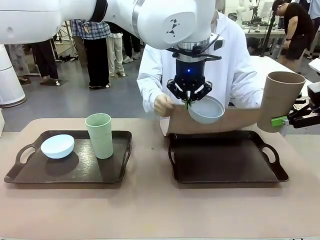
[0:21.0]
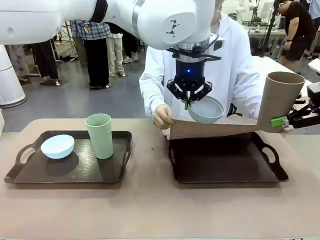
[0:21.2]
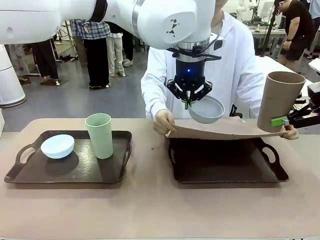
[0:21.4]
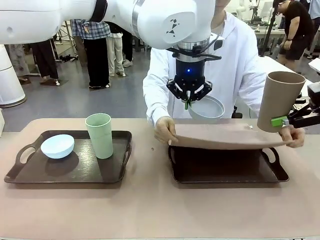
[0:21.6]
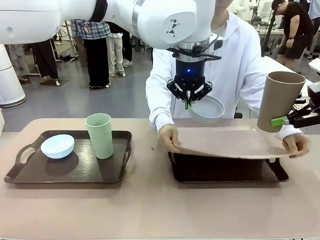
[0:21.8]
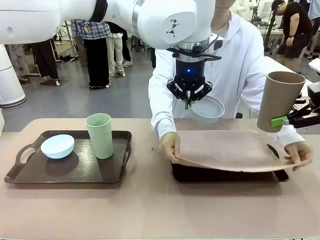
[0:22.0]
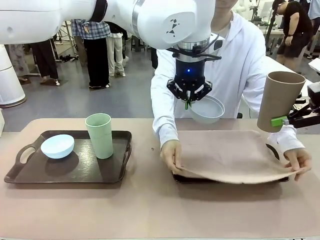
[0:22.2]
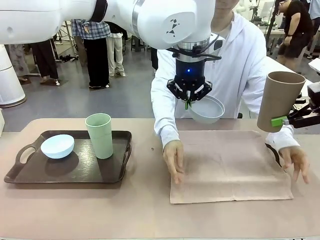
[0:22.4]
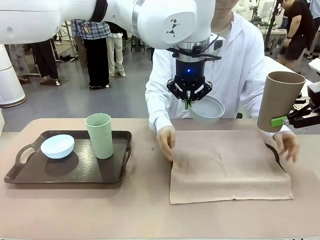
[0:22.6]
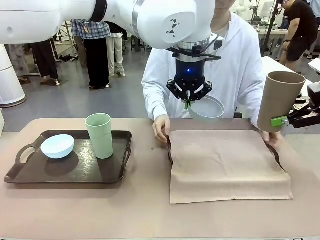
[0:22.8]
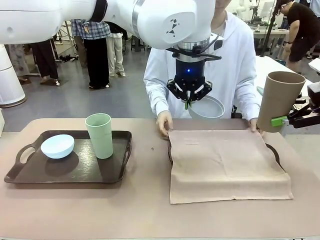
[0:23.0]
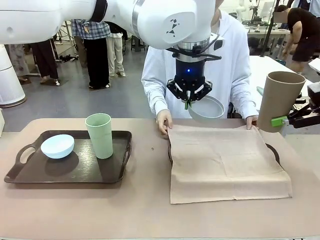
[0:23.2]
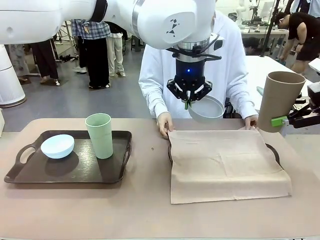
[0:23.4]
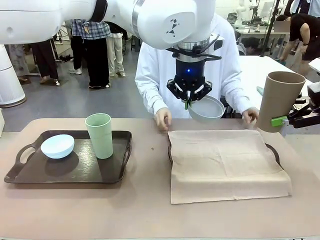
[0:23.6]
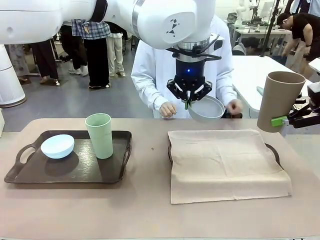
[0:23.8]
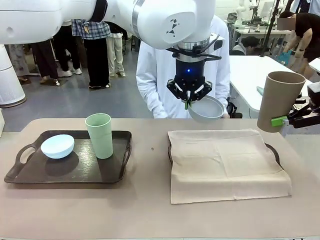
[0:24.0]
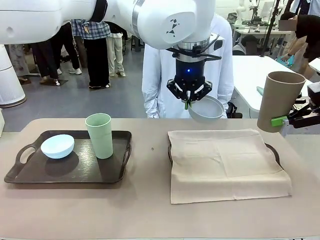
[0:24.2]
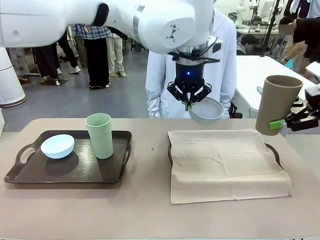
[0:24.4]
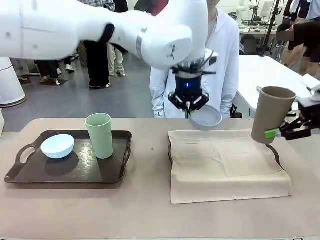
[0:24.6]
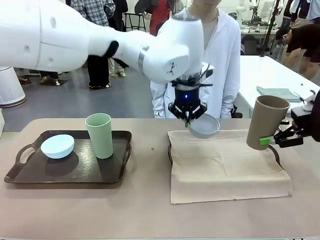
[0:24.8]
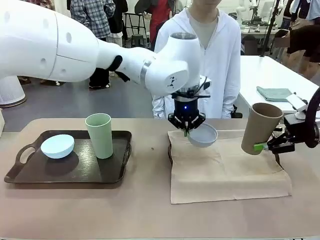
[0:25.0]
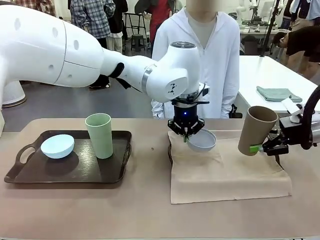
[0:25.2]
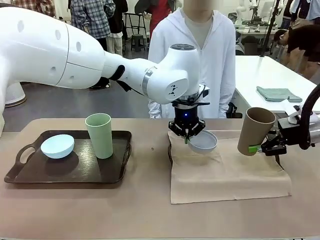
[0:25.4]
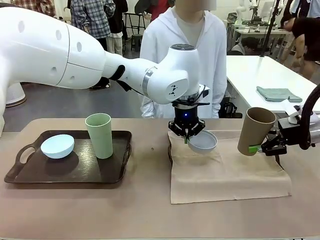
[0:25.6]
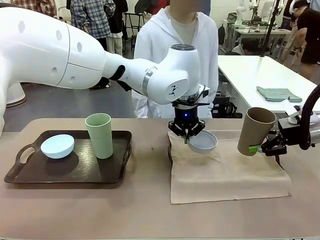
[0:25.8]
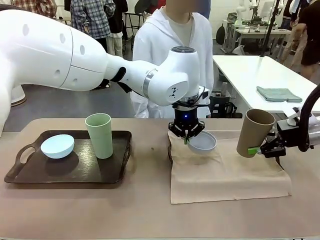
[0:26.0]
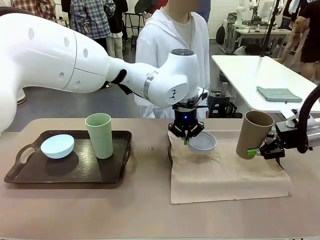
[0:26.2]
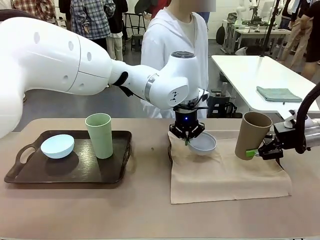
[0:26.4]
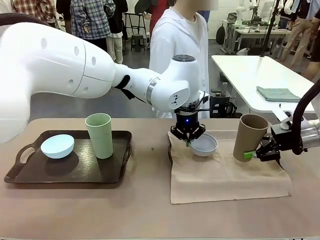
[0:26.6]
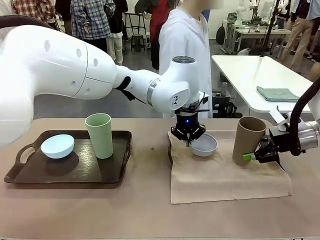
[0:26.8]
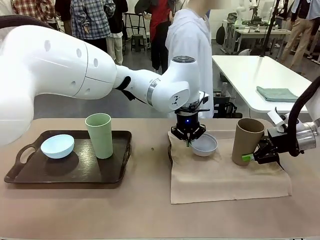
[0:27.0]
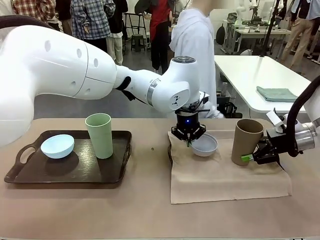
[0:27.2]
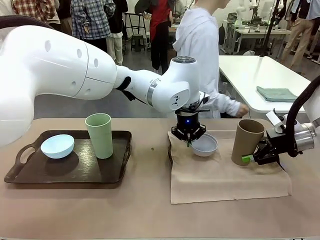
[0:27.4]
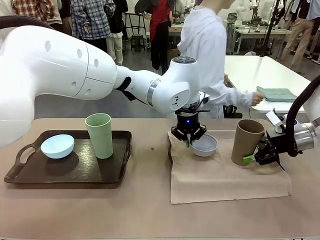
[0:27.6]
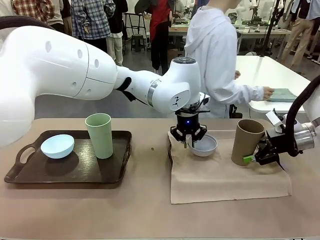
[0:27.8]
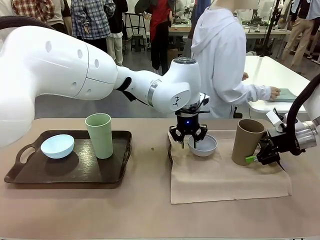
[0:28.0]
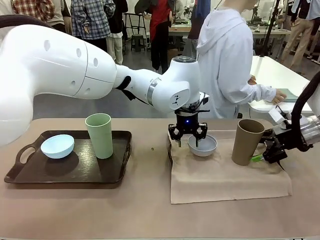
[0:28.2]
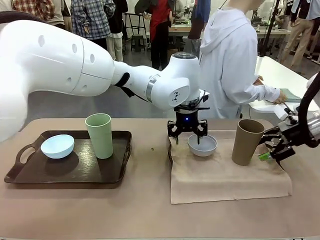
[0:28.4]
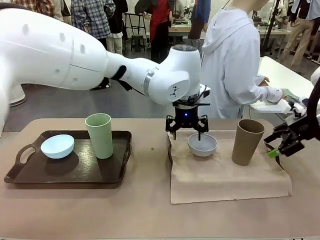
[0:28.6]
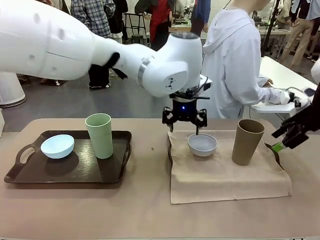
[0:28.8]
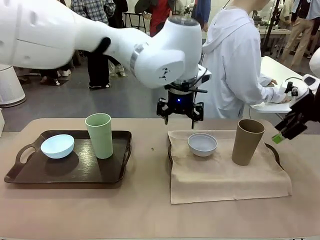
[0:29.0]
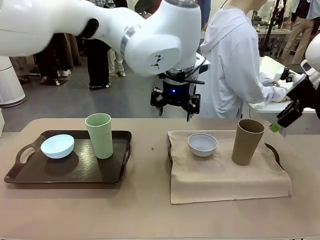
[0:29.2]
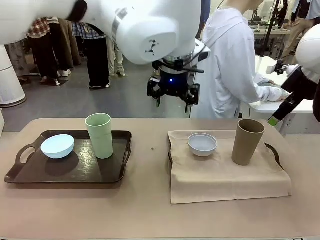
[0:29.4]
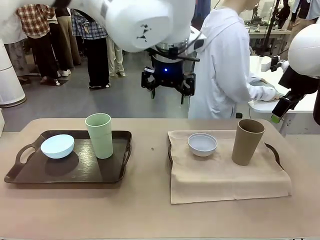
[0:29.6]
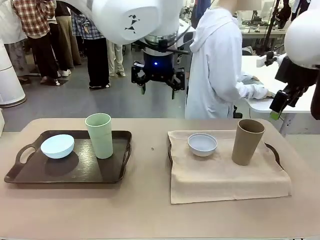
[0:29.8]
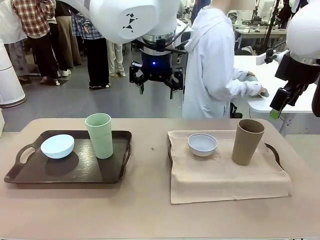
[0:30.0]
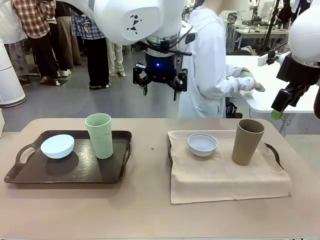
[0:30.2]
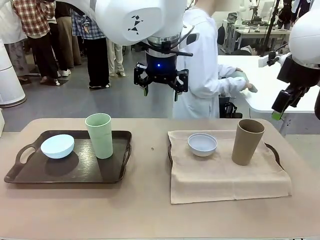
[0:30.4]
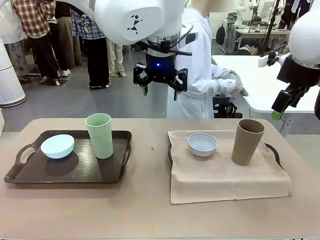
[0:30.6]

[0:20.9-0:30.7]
Robot: Place the Picnic Bowl and Reusable plastic cup back onto the Handle tray in front of the human's position.
Person: The human returns to the human table to pick up another napkin and walks to the robot table to stand in front of the tray without a napkin.
